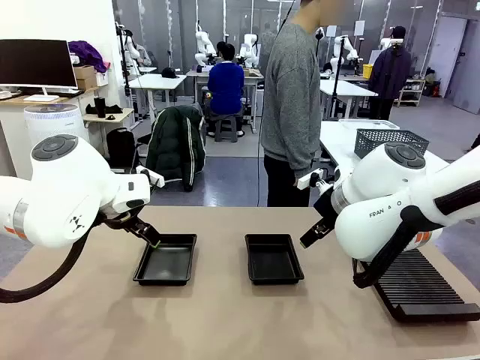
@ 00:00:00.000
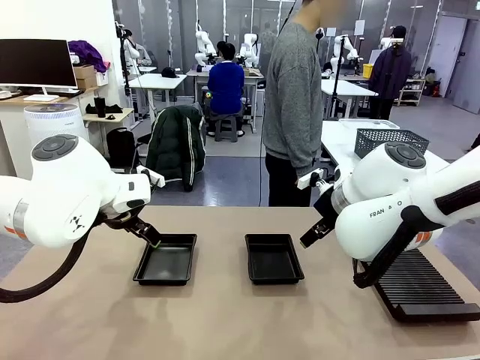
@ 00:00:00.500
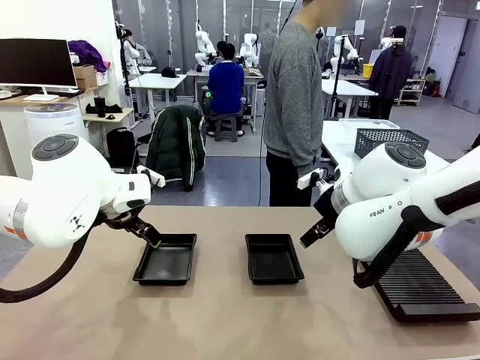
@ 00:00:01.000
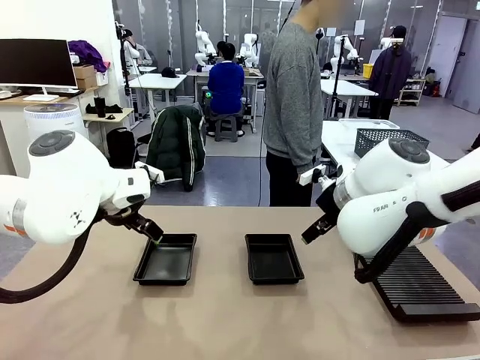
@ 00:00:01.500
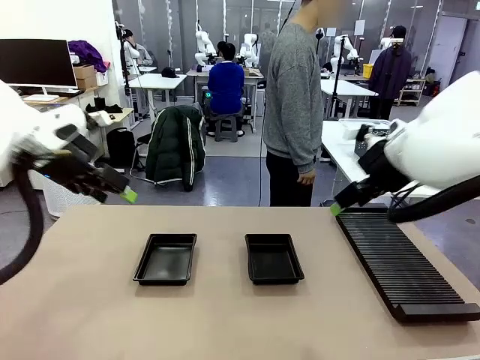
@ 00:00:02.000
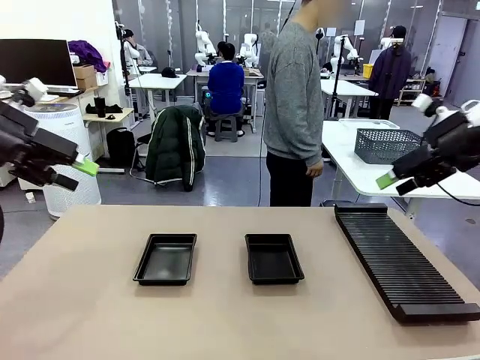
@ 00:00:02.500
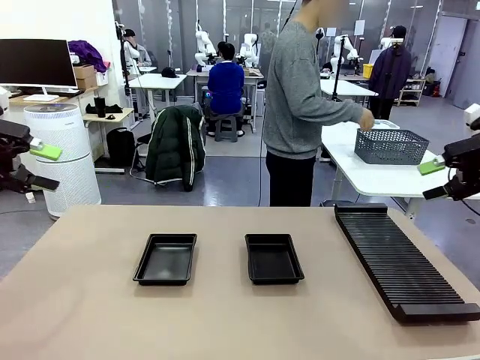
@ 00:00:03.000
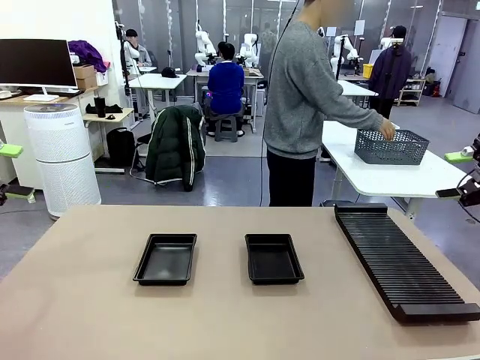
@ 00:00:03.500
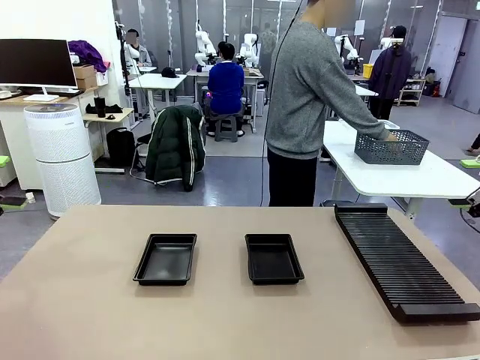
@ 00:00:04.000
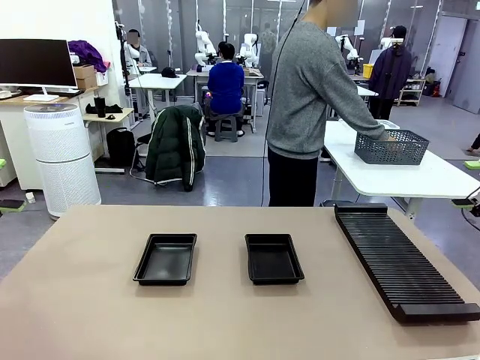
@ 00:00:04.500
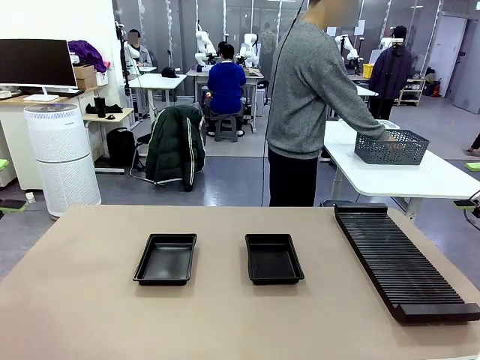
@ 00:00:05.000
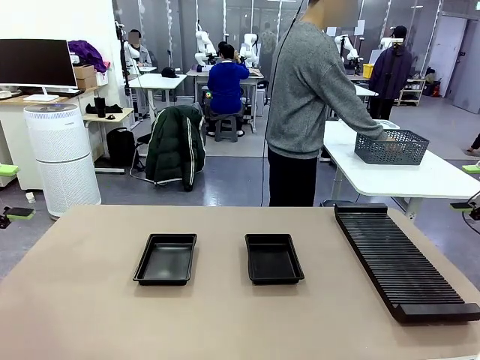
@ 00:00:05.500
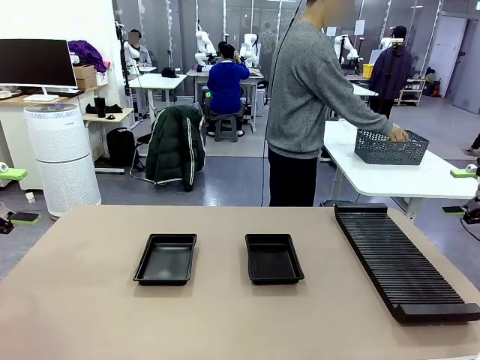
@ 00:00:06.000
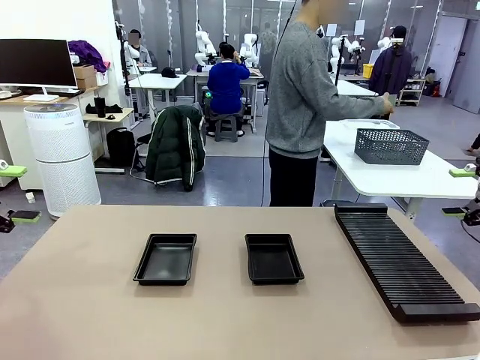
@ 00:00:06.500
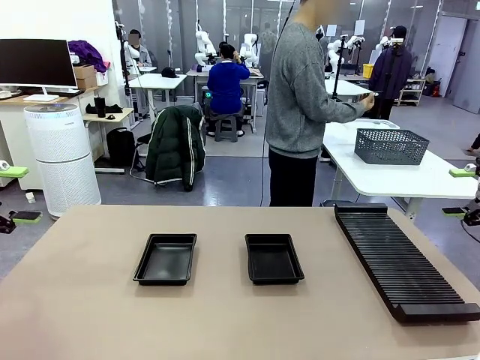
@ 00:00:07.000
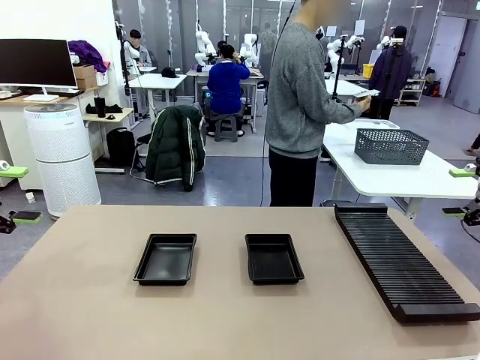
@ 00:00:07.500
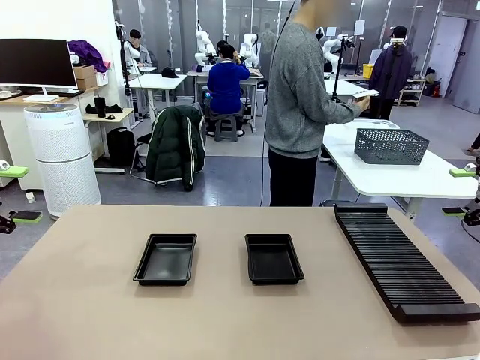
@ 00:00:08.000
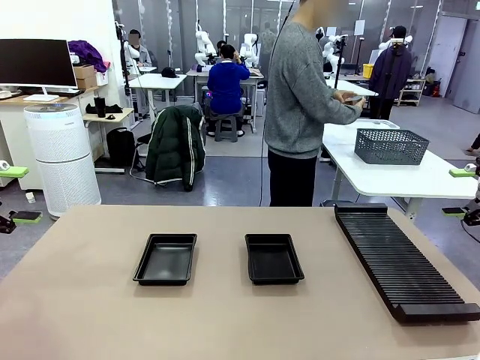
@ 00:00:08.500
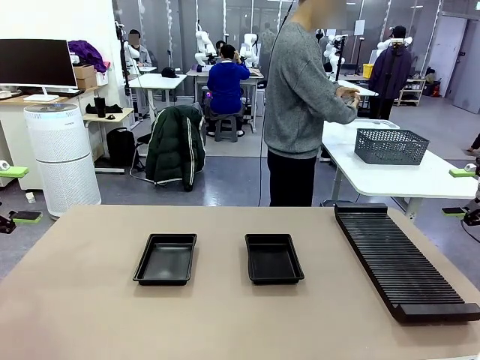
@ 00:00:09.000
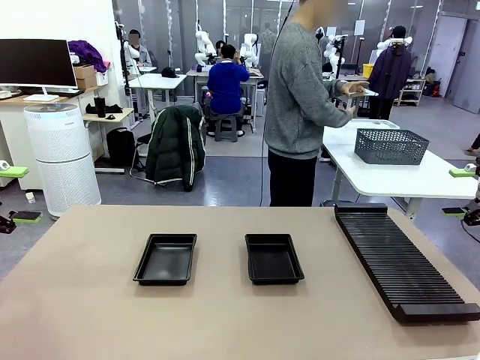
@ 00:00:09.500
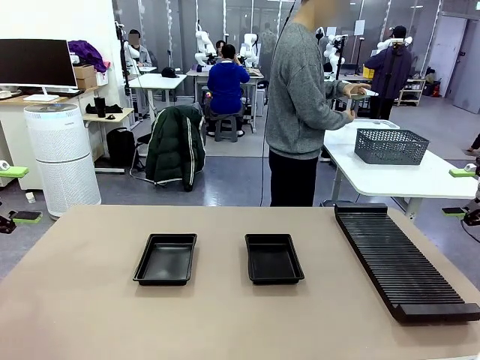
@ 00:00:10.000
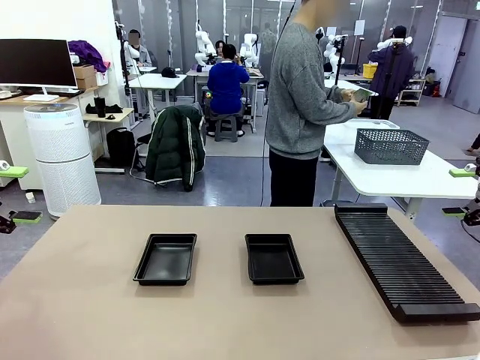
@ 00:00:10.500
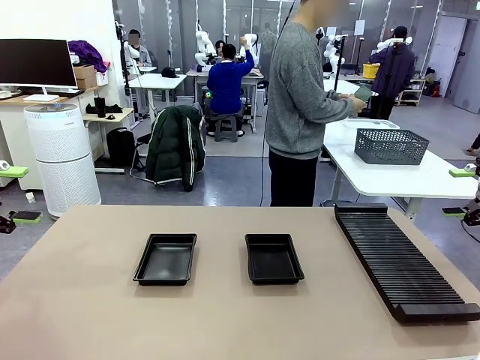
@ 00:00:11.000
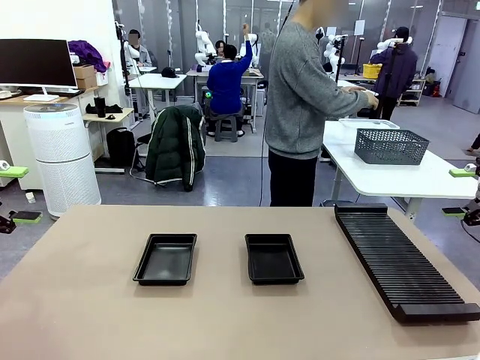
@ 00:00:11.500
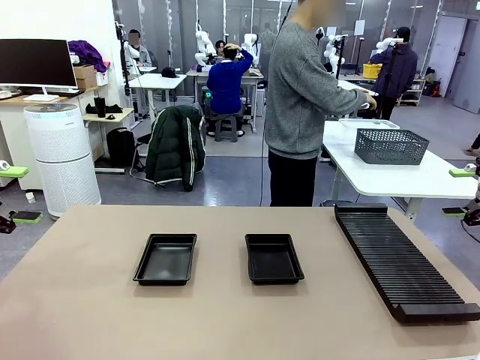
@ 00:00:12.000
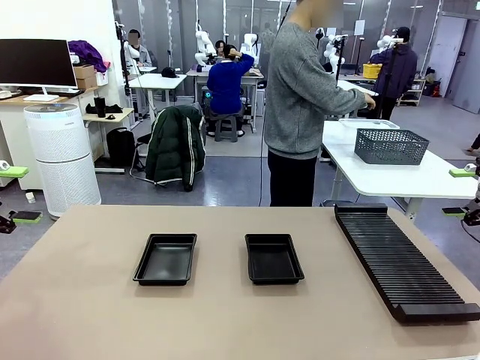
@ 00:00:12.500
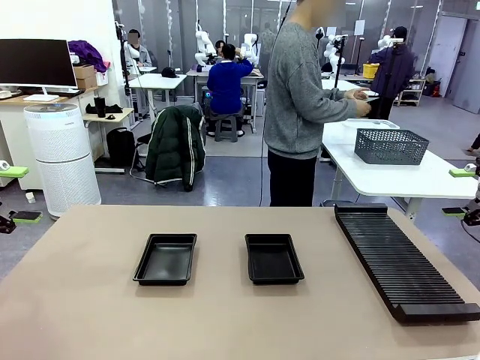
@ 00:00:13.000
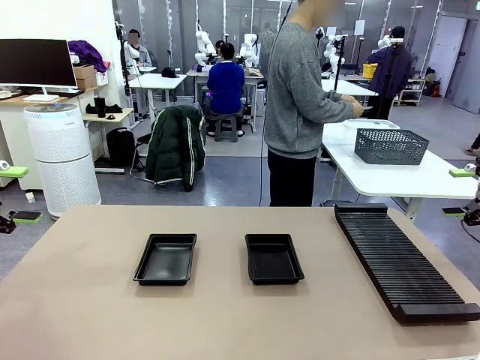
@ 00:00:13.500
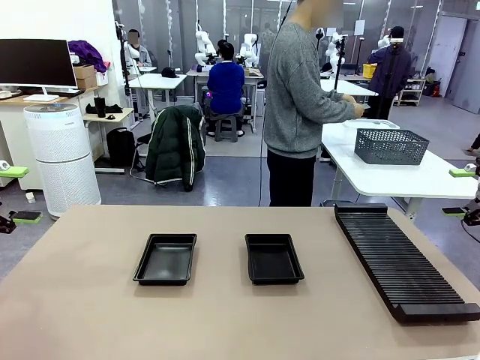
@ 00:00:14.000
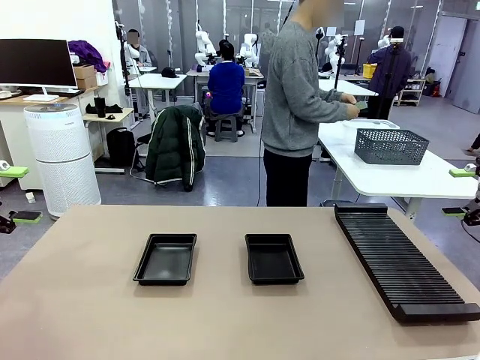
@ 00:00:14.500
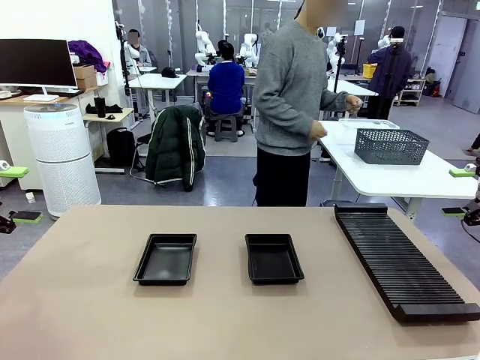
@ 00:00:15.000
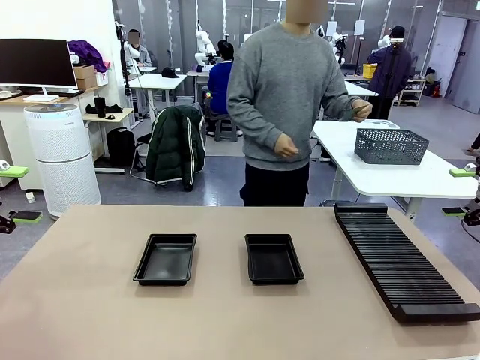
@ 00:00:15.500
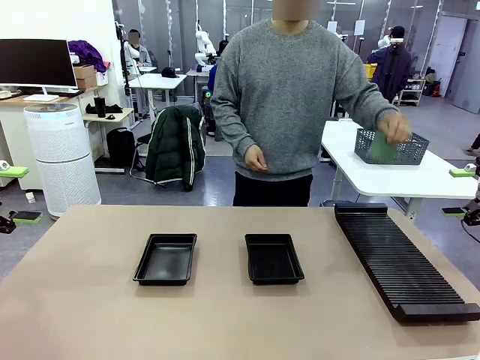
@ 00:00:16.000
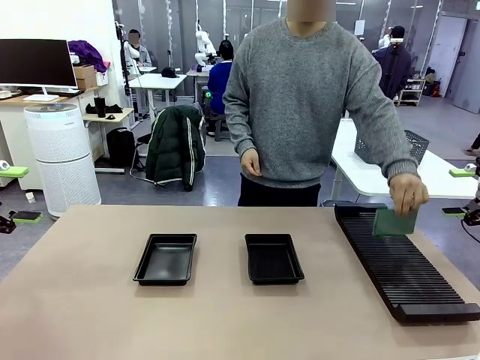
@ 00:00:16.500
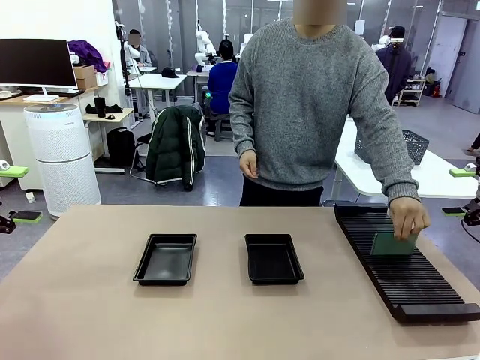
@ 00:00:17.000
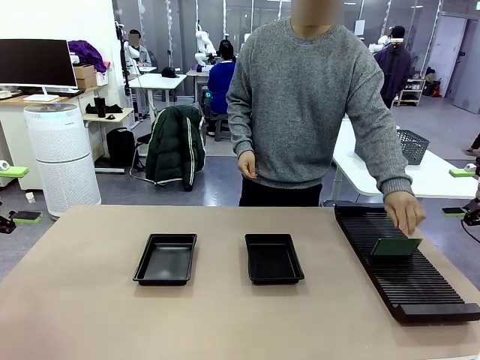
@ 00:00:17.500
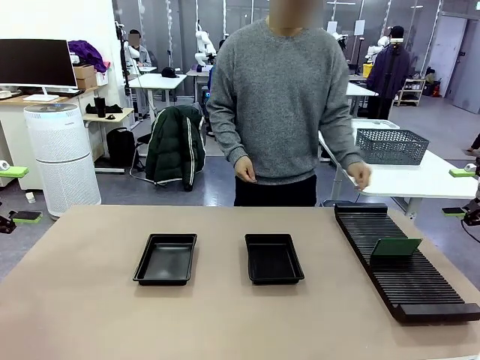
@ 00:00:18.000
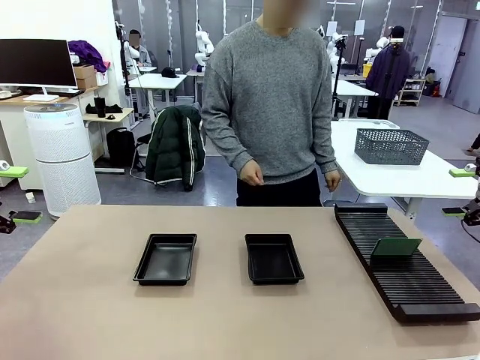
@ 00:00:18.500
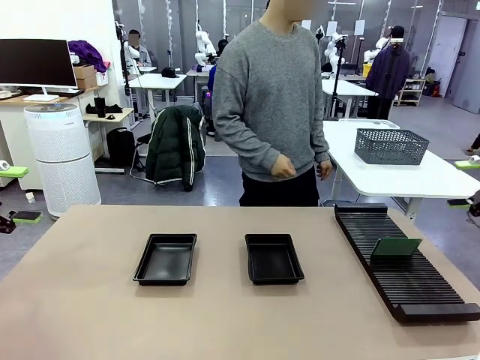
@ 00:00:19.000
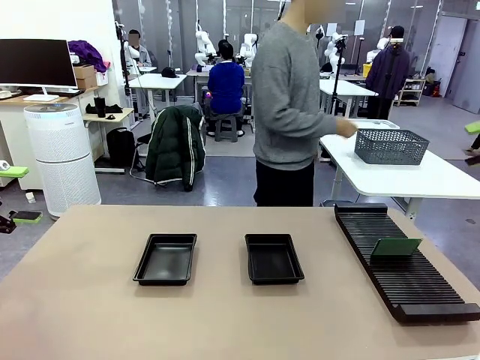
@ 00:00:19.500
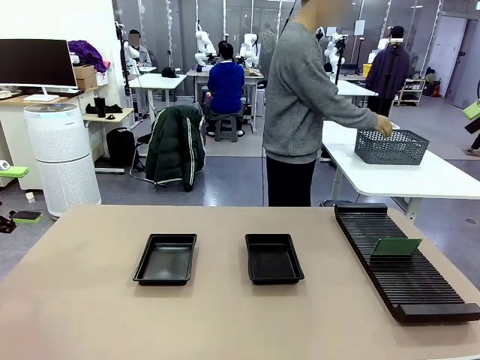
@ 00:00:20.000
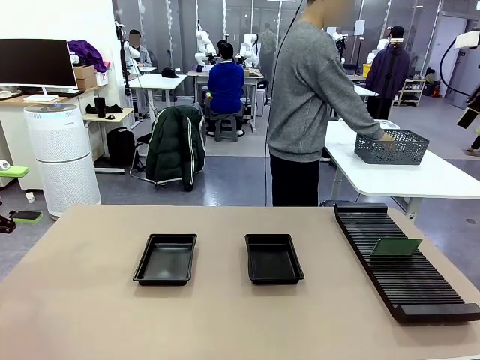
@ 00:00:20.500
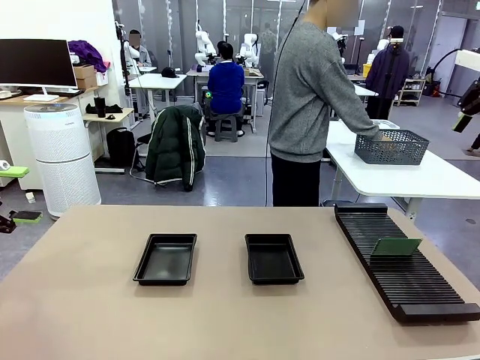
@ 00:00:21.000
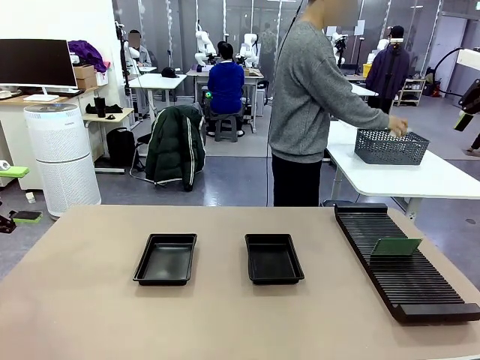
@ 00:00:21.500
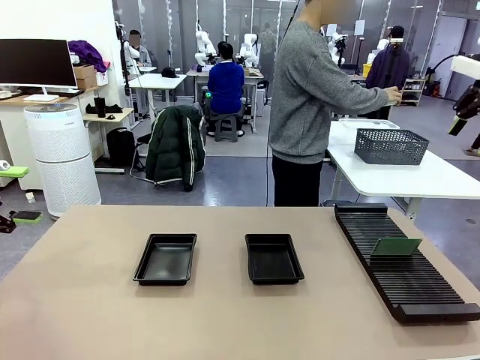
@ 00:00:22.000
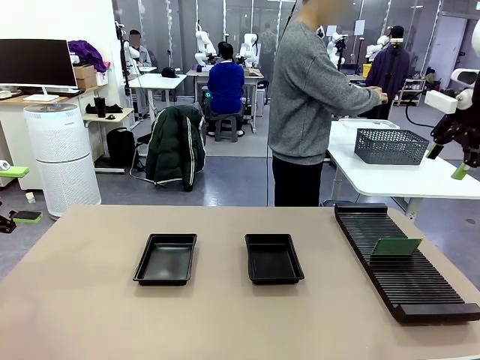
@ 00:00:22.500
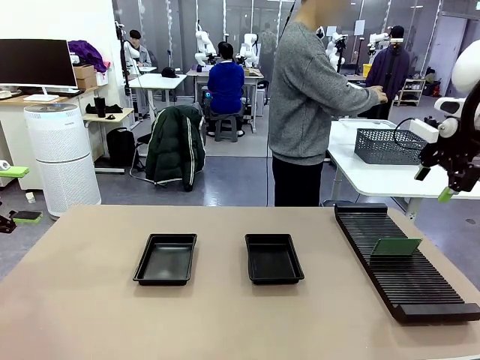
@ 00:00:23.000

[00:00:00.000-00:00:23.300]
Task: Inspect and transfer BCBs to ESD trays.
Robot: Pick up the Blank PCB from the PCB Rack and place it in the left ESD tray.
